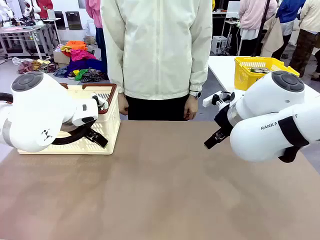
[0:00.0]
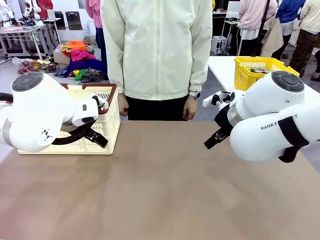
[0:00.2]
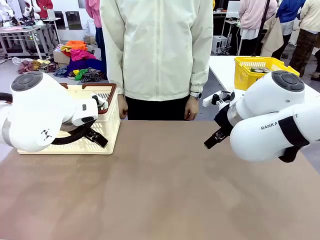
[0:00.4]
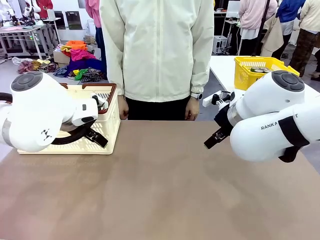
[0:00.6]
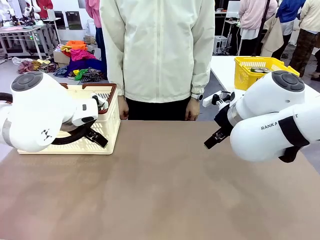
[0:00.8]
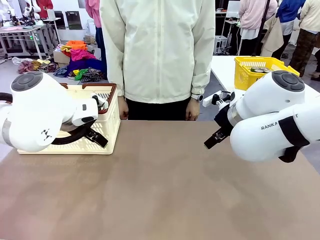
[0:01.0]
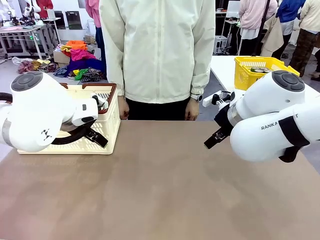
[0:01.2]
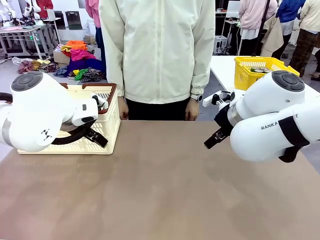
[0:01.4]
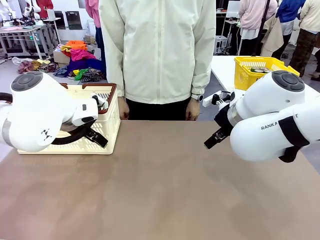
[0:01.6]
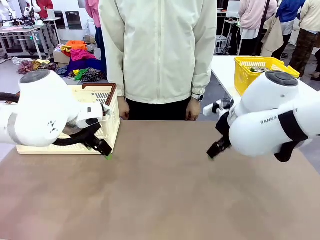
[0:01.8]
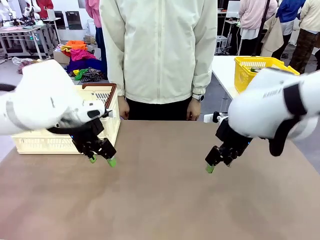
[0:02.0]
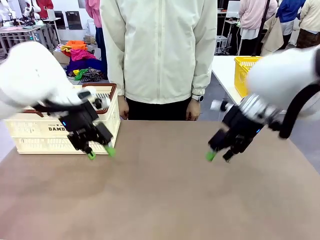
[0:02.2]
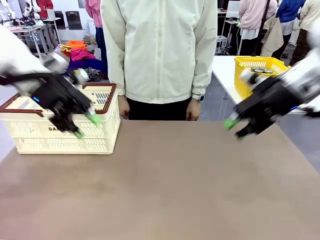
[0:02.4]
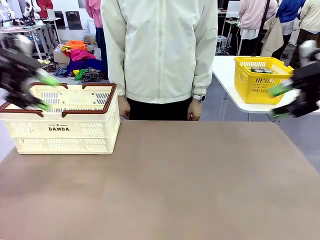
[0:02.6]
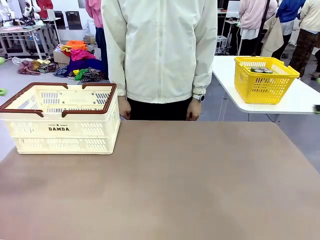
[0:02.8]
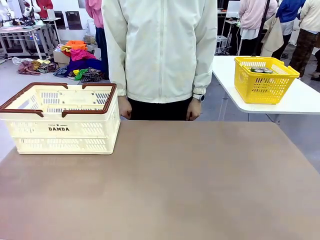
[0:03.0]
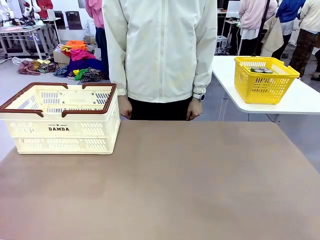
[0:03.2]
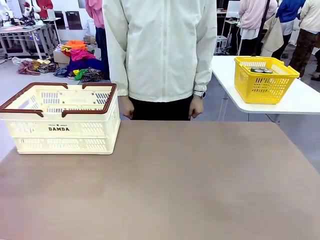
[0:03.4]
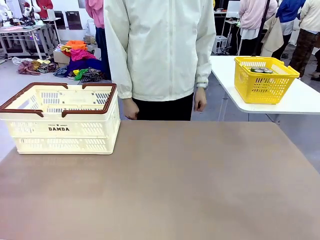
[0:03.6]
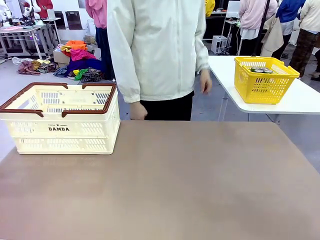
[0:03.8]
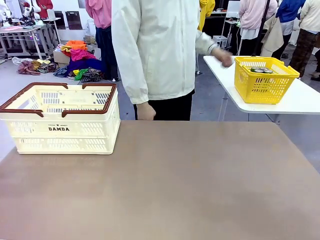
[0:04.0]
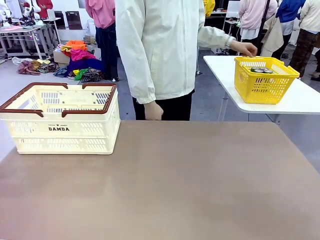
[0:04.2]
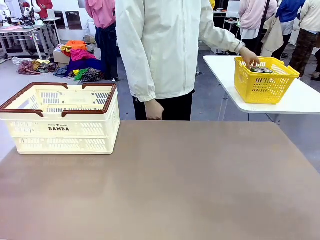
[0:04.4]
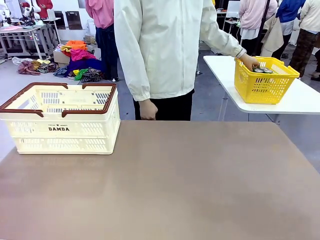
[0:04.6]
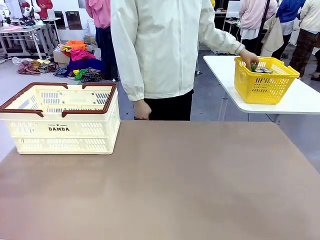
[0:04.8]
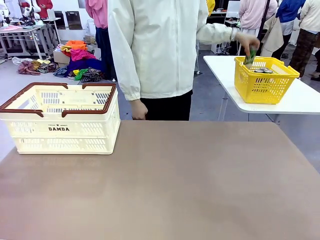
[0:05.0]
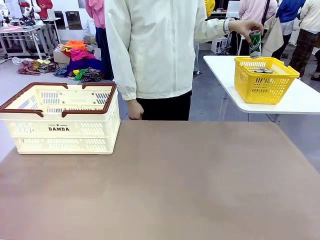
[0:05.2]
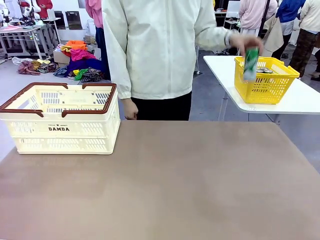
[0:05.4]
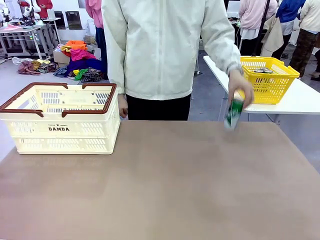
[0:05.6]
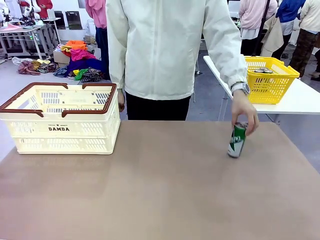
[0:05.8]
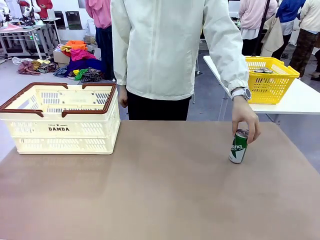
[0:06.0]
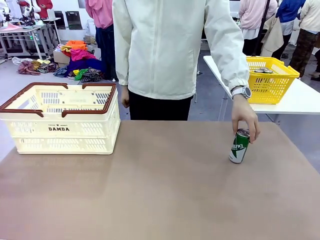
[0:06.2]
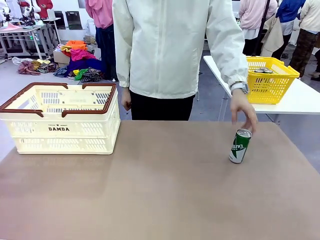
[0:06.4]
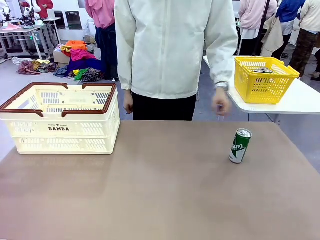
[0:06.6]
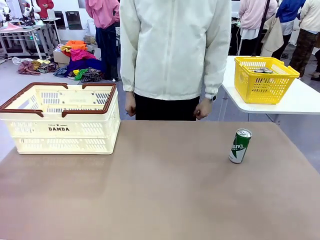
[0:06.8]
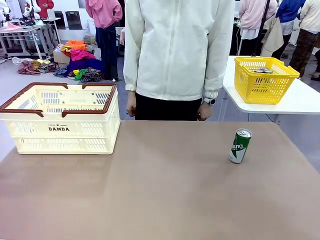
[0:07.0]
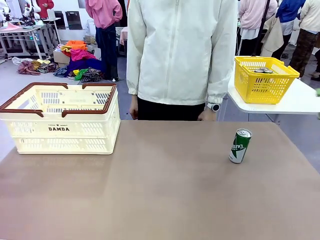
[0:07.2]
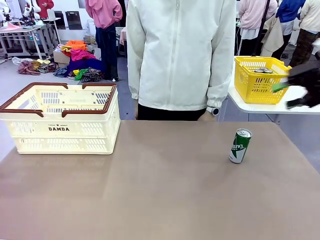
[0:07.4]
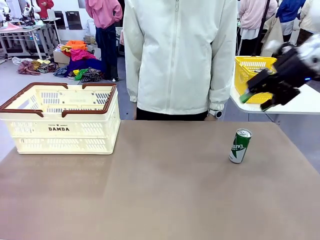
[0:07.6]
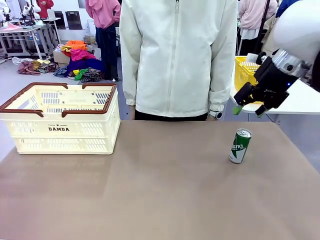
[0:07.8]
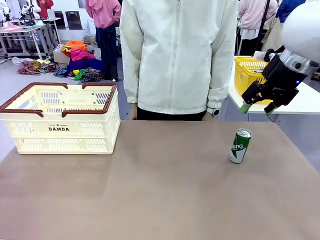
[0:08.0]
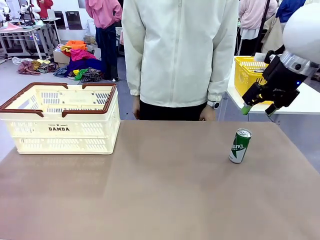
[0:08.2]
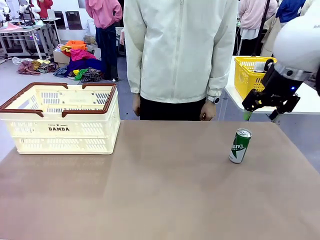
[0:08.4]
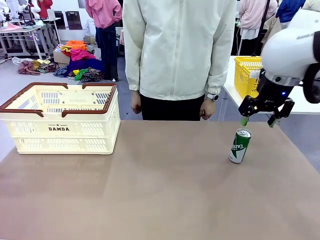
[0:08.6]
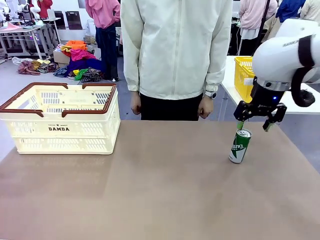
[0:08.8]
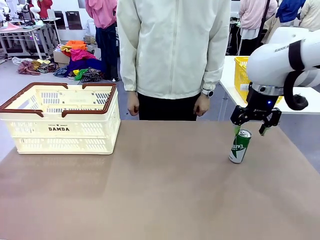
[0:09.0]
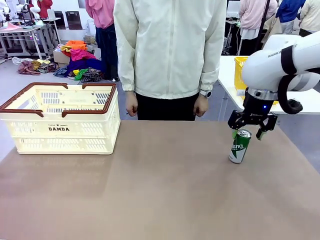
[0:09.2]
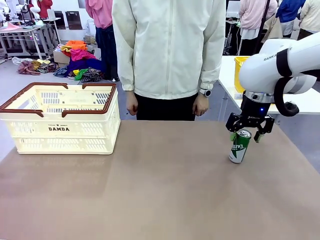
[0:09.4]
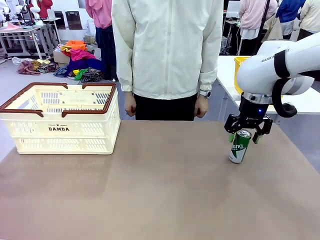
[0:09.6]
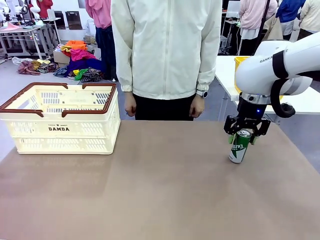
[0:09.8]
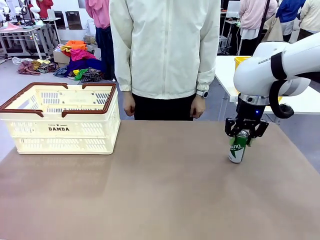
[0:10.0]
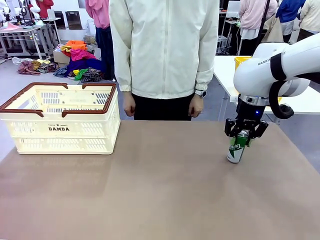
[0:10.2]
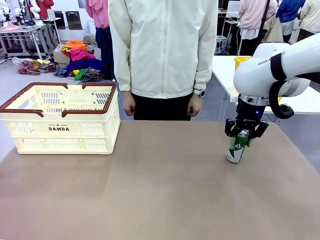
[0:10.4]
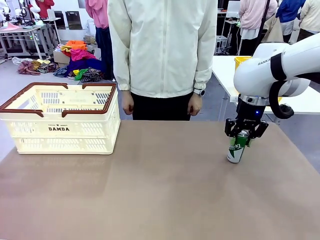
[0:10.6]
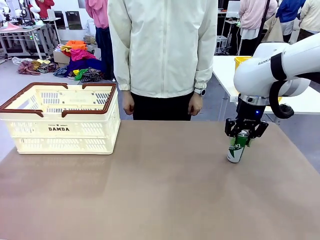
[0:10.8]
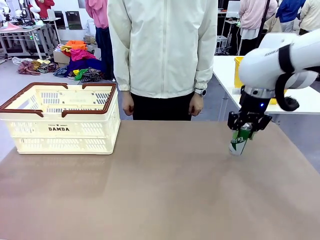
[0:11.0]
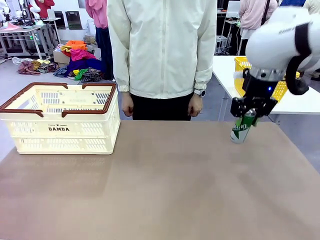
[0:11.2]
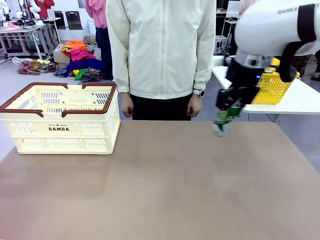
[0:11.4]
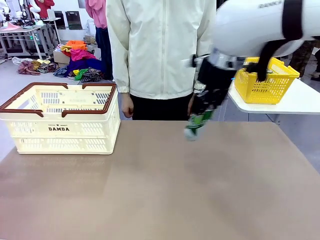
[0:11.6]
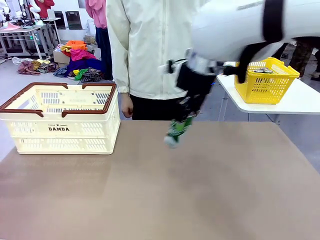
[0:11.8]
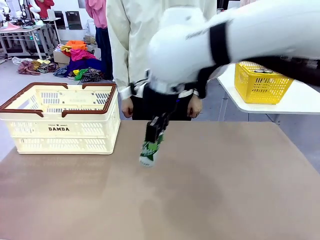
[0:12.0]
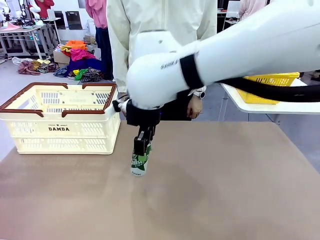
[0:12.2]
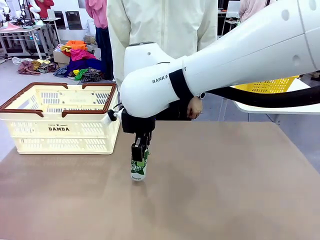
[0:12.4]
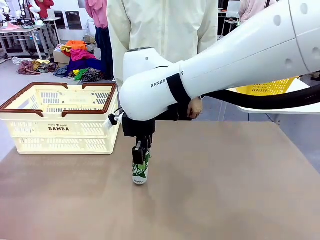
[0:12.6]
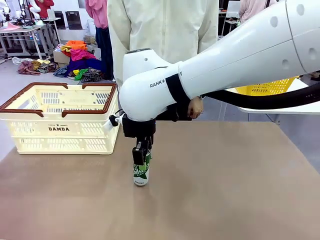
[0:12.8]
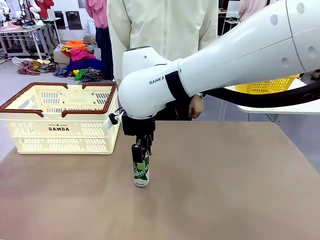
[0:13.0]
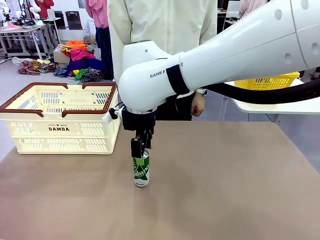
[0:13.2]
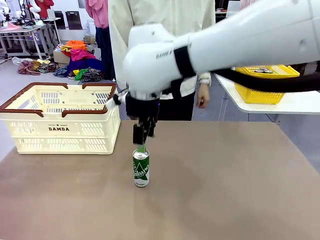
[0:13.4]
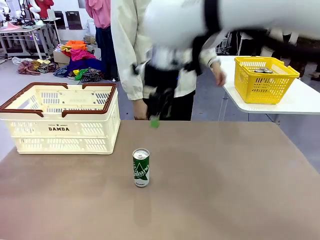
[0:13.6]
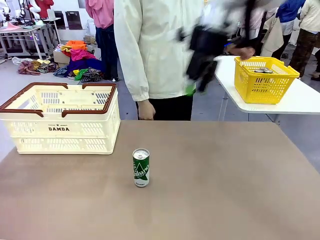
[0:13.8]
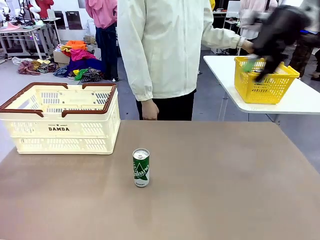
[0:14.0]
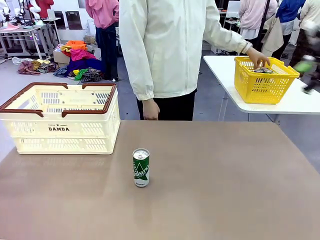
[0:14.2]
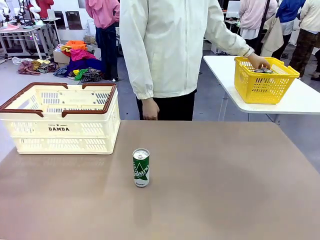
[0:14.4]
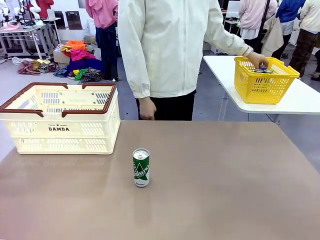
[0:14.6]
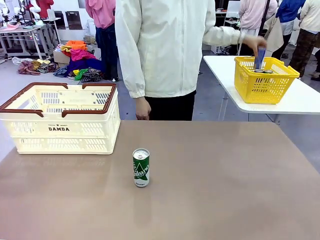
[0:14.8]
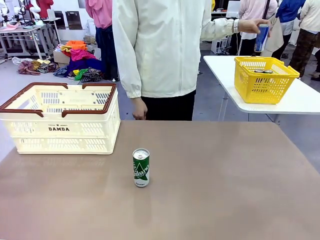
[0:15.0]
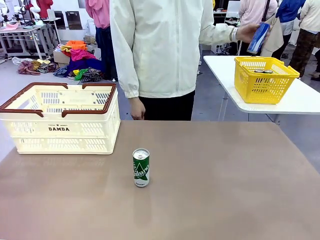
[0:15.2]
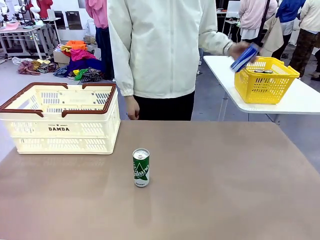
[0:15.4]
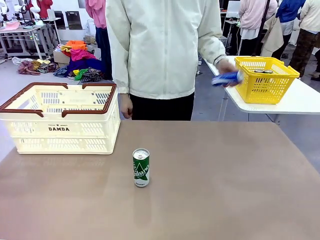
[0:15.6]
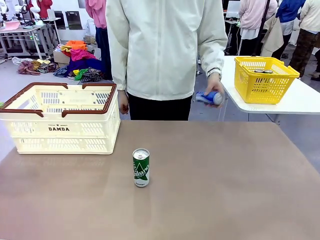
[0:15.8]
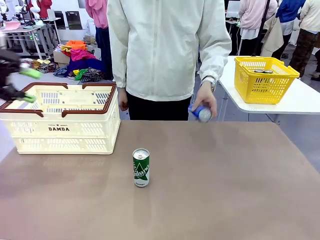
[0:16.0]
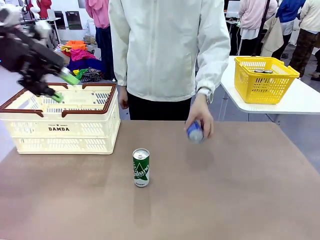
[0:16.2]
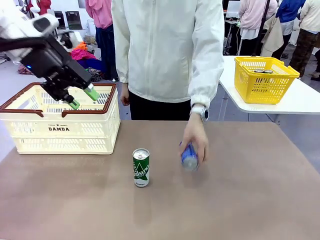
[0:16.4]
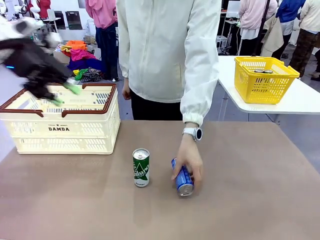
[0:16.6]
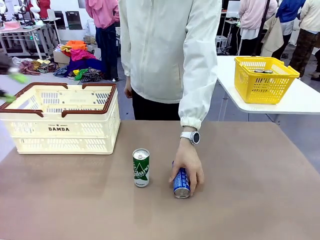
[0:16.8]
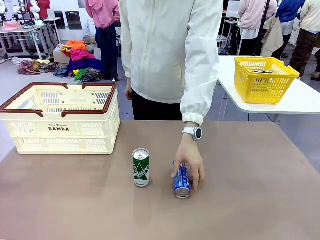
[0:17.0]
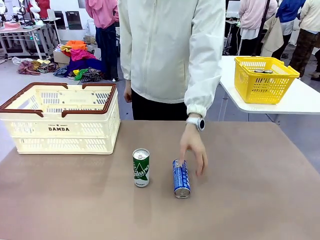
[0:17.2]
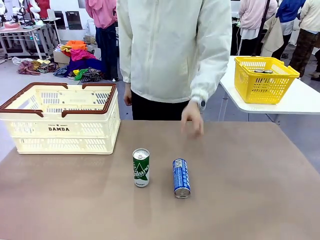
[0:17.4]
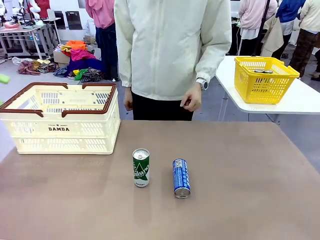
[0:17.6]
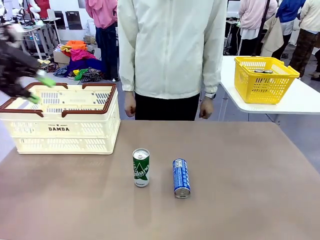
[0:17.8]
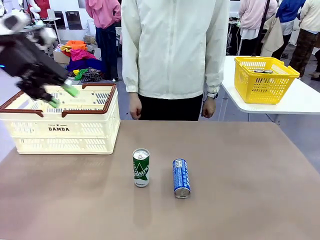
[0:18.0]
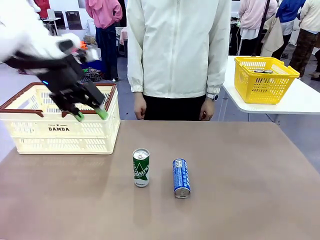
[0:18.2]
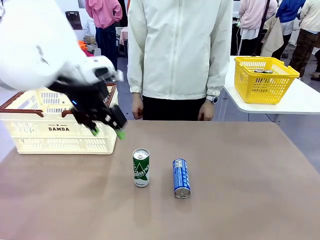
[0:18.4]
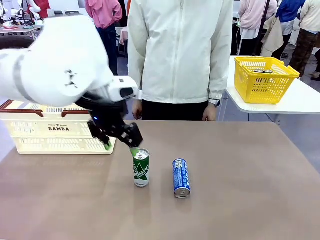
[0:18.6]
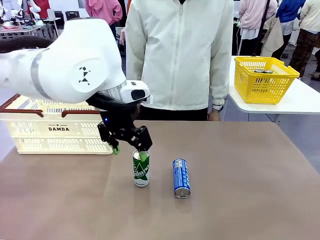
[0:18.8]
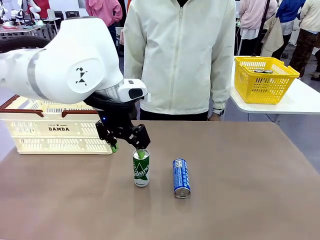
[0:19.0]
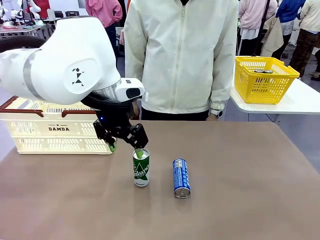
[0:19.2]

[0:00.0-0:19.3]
Task: Place the drinks into the Shopping basket.
Robot: Pick up one drink and place it into the Shopping basket.
